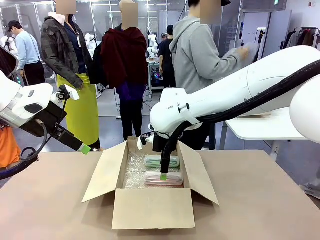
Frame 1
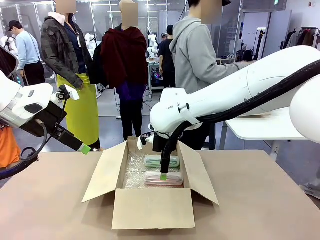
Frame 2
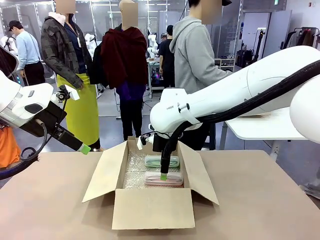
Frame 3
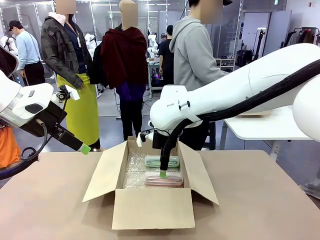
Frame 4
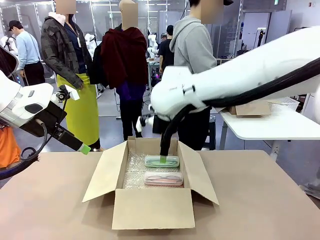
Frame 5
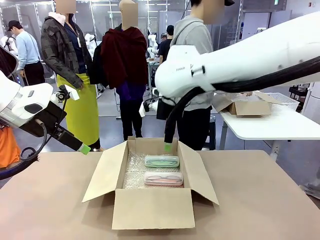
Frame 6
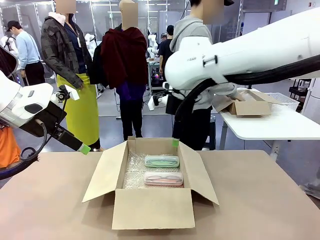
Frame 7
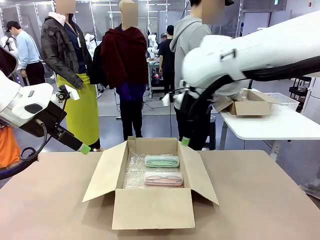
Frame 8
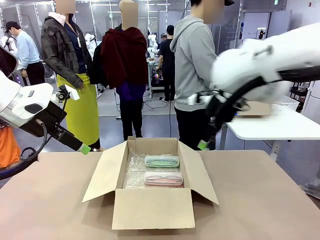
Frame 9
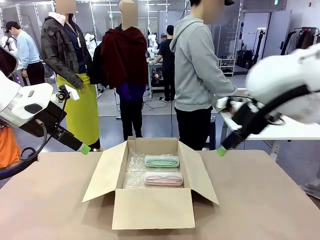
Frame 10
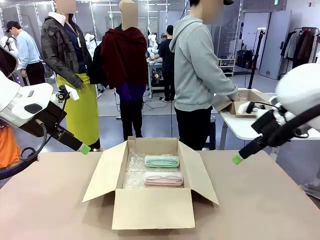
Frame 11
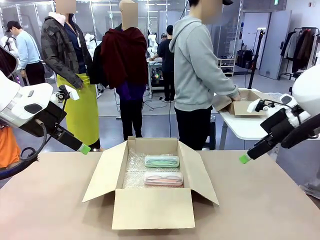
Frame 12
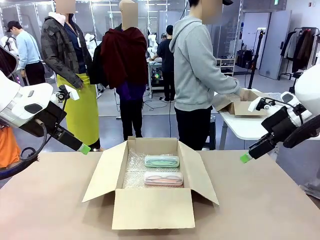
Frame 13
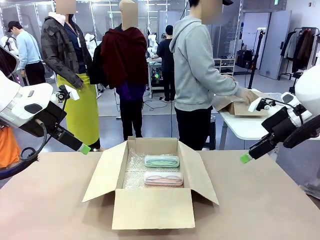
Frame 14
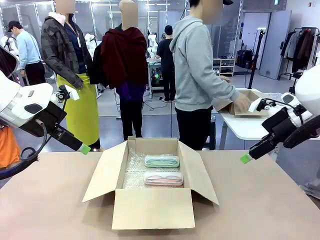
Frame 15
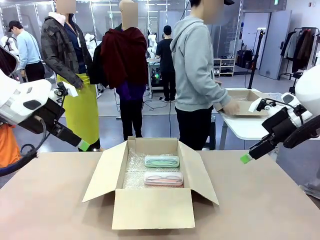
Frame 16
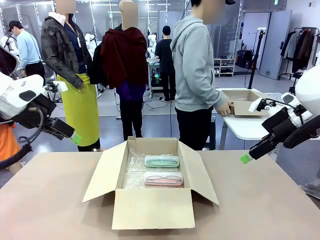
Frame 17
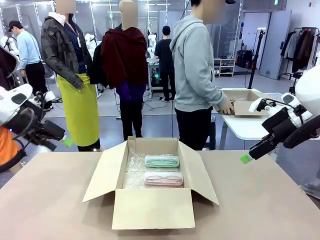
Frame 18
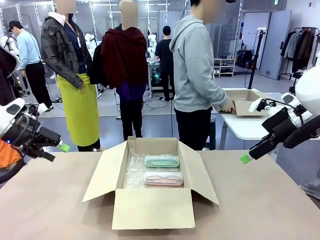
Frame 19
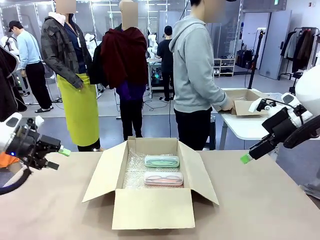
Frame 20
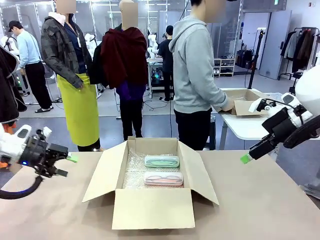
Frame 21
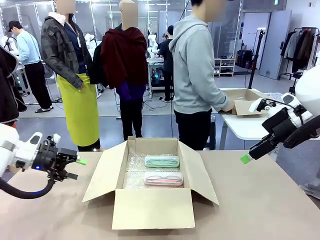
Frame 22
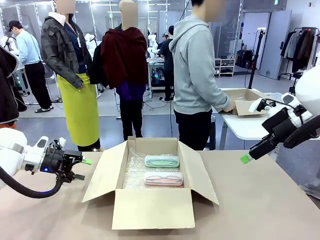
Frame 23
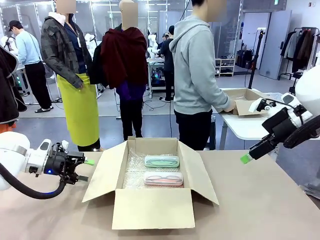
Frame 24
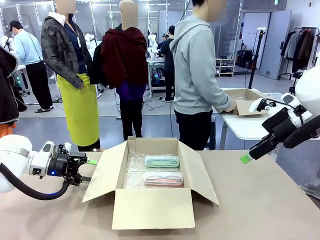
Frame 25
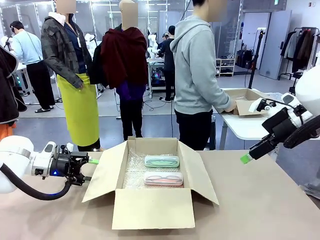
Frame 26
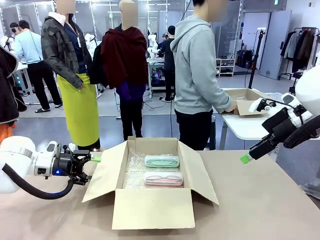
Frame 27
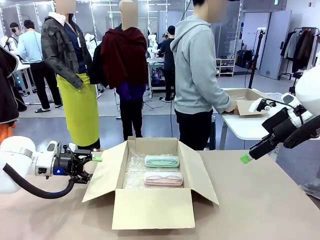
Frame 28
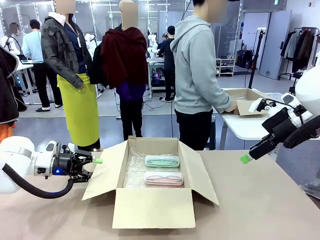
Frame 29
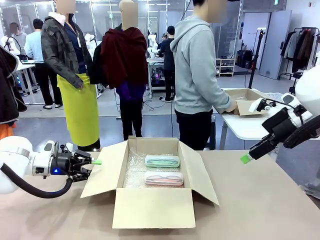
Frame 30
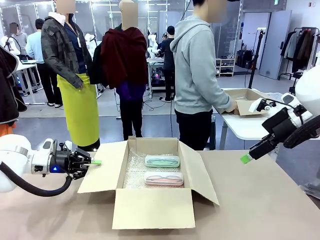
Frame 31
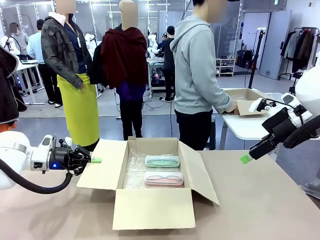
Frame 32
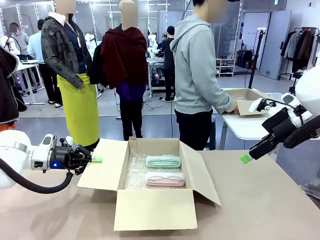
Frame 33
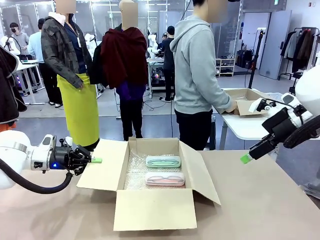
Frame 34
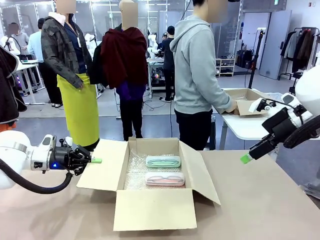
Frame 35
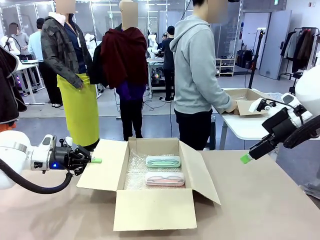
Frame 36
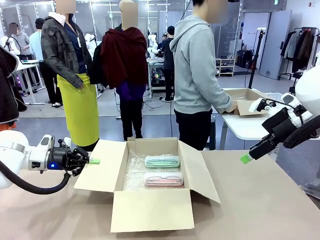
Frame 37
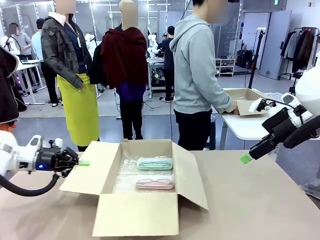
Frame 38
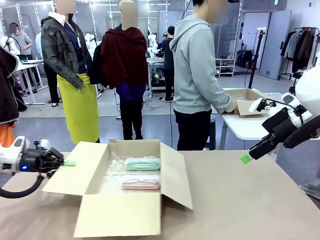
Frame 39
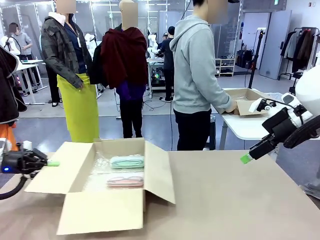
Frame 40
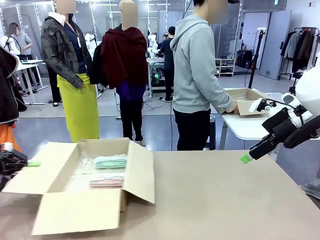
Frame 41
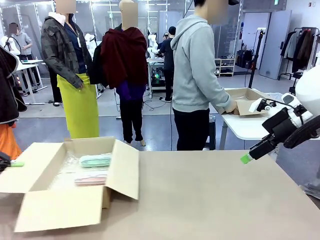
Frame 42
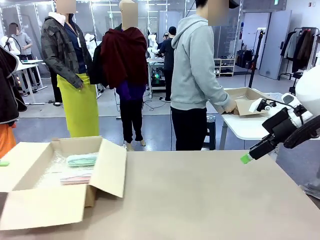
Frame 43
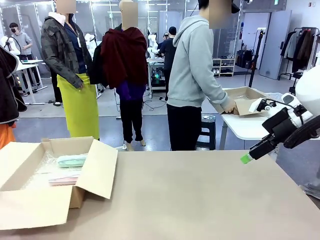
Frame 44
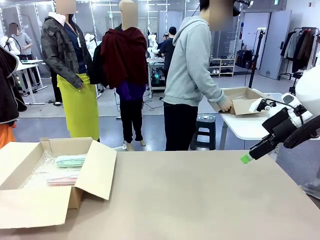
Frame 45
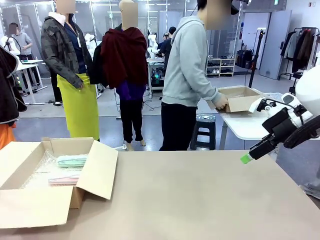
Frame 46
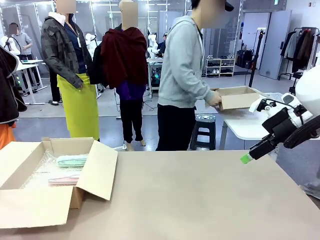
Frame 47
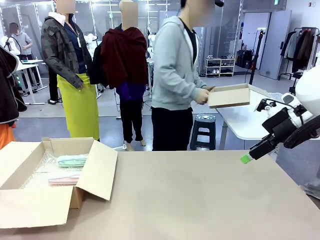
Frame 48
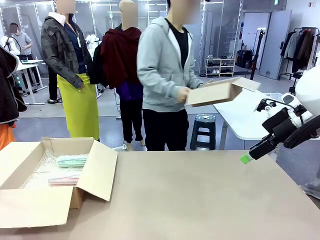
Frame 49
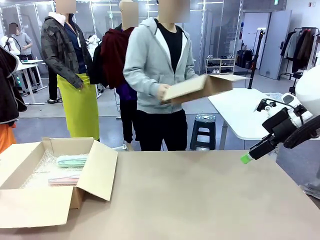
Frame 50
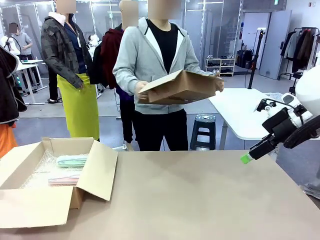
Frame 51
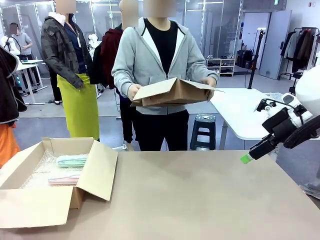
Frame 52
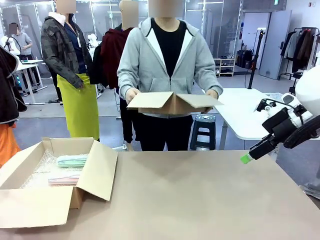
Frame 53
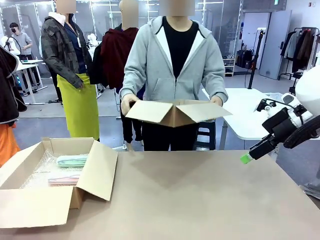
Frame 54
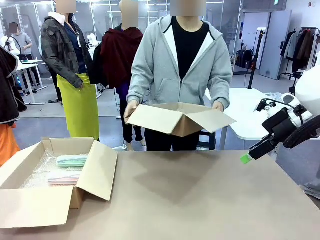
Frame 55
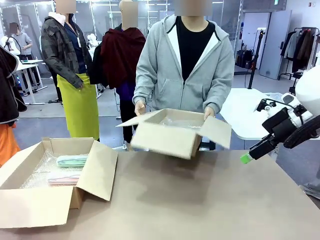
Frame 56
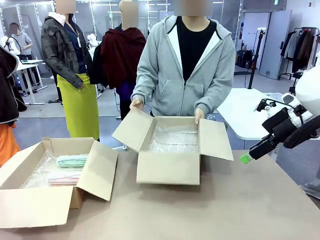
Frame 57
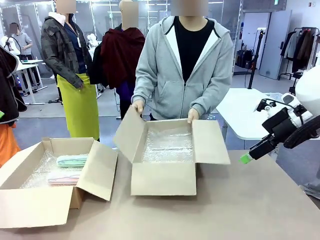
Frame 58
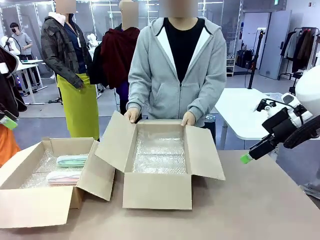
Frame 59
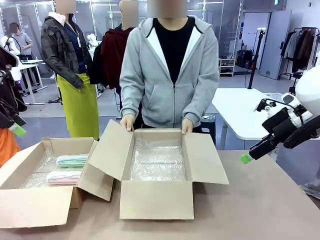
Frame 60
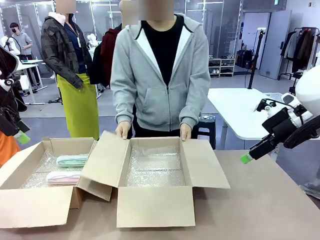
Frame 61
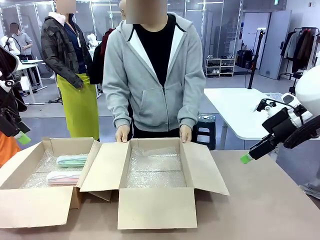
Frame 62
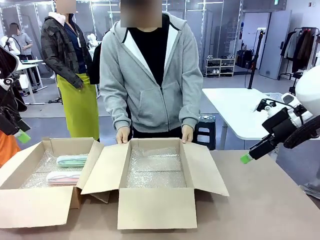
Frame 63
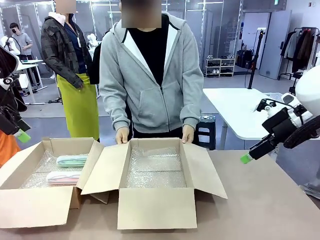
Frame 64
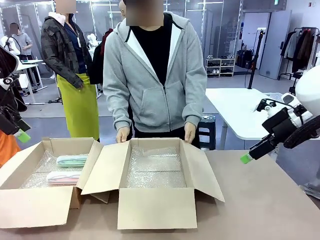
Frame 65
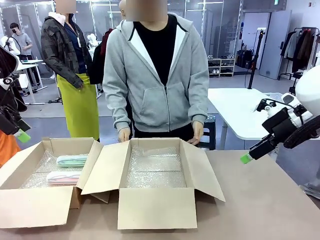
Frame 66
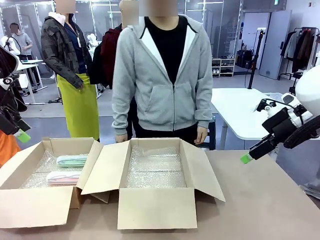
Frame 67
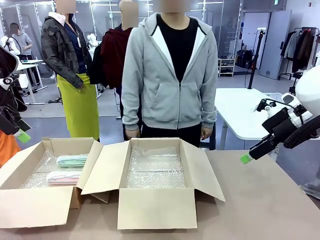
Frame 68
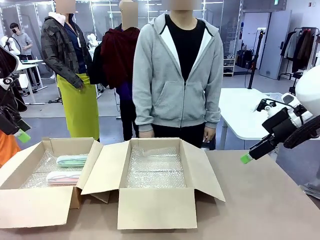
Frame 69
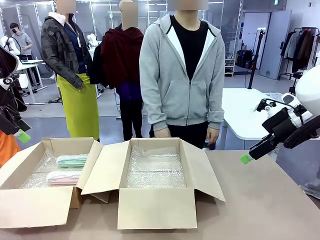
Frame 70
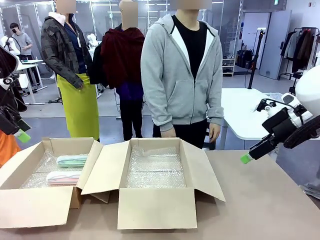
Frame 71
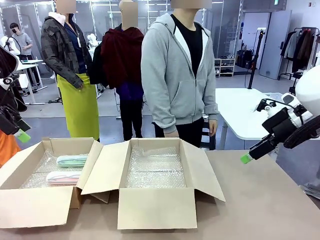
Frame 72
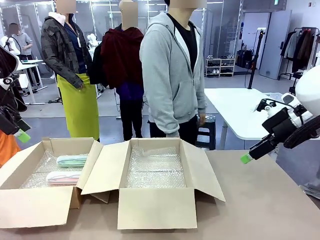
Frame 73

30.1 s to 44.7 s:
Task: Pack the glasses set securely to prepare it for shipping.
Robot: Position the Package Box on the left side of the table.
Person: Position the empty Package Box in the middle of the robot's table.

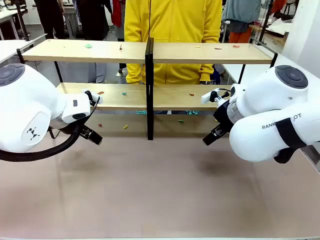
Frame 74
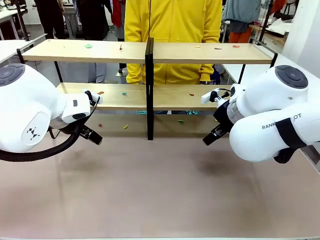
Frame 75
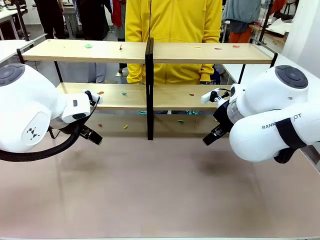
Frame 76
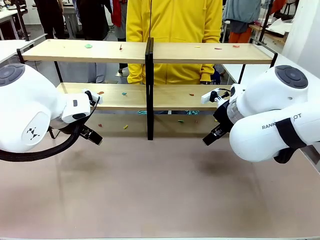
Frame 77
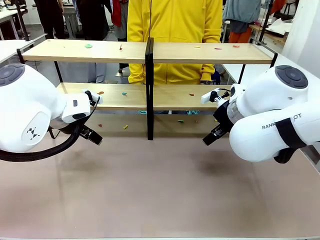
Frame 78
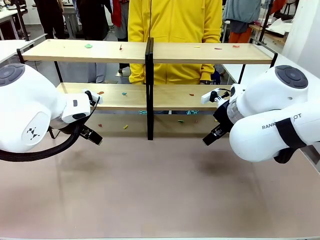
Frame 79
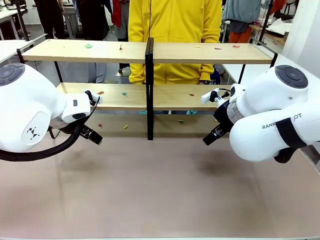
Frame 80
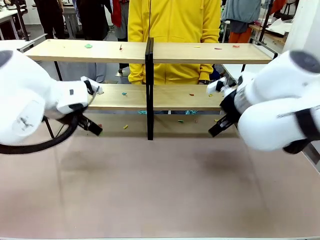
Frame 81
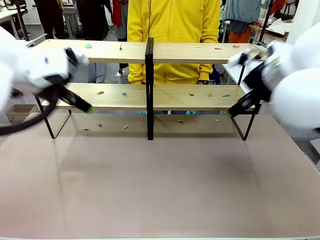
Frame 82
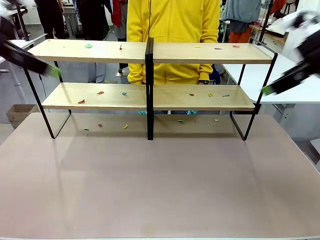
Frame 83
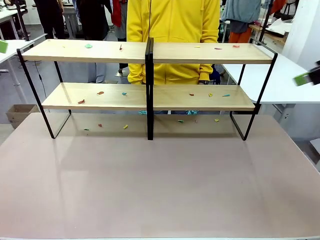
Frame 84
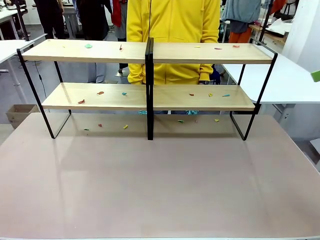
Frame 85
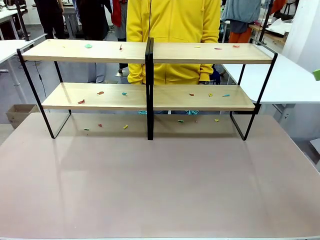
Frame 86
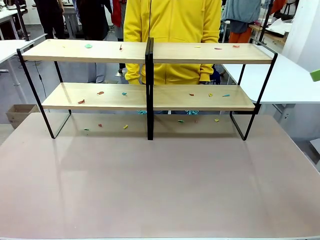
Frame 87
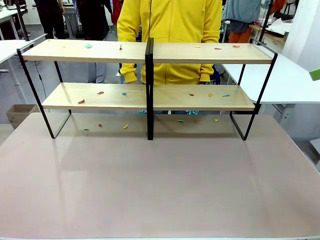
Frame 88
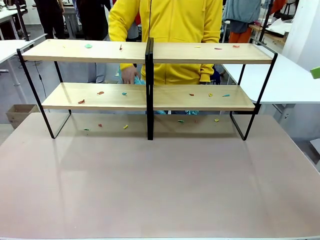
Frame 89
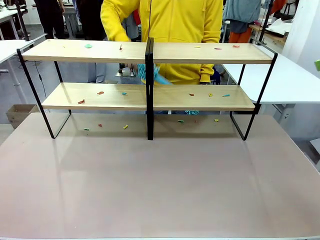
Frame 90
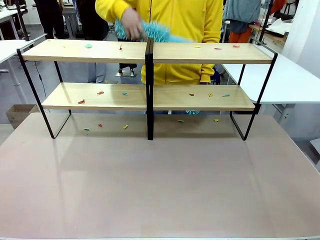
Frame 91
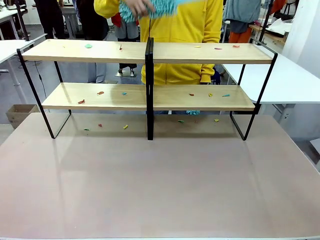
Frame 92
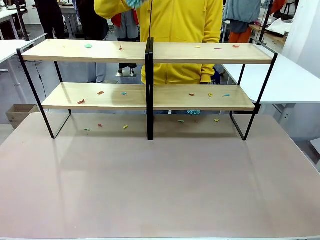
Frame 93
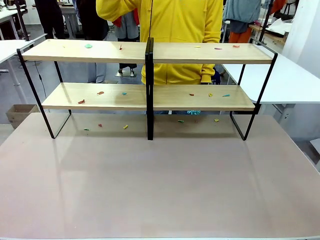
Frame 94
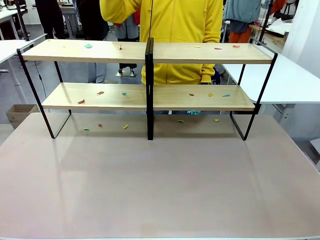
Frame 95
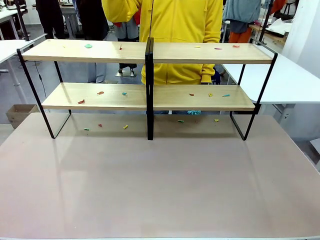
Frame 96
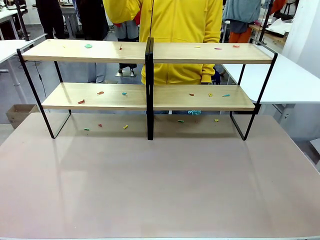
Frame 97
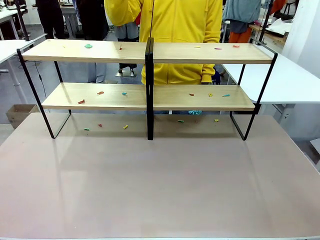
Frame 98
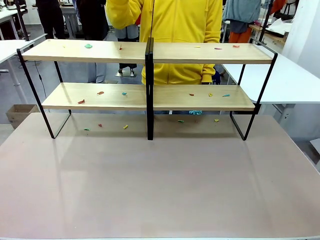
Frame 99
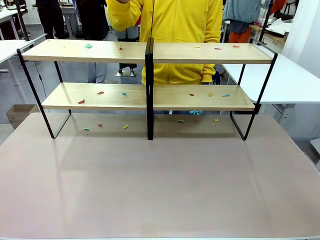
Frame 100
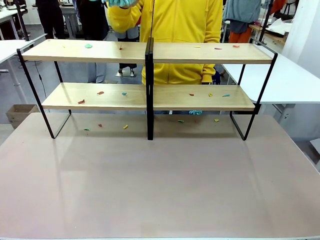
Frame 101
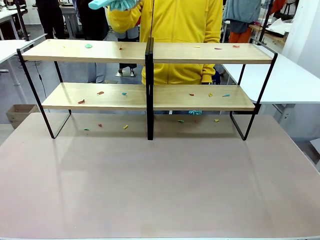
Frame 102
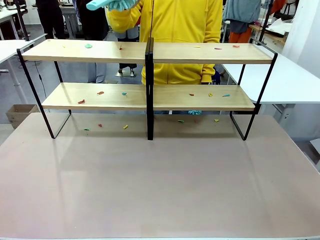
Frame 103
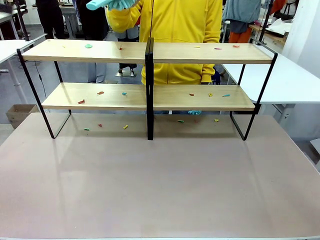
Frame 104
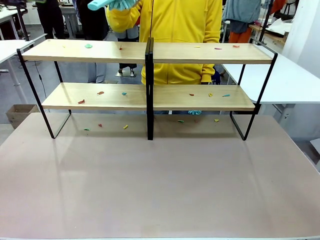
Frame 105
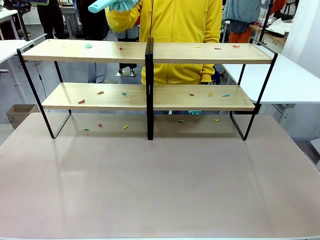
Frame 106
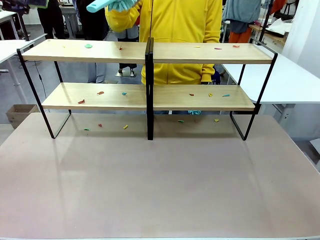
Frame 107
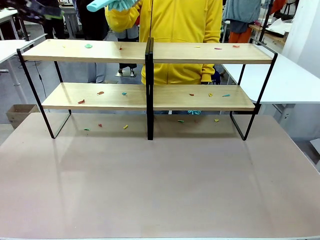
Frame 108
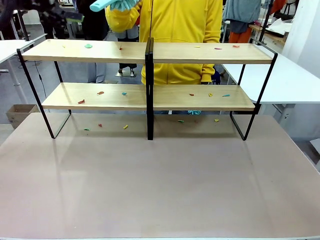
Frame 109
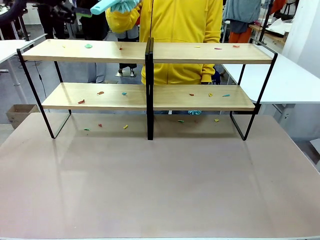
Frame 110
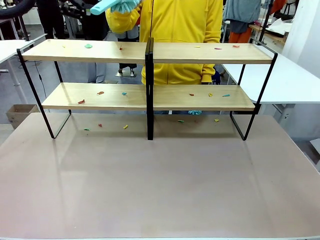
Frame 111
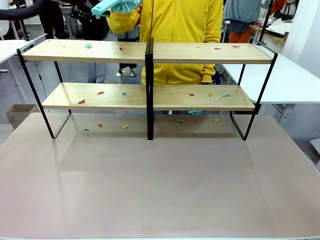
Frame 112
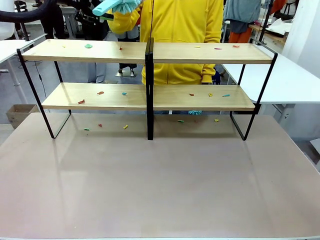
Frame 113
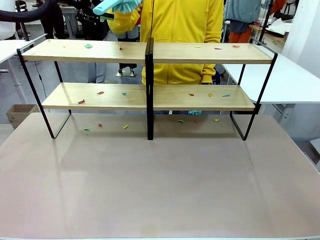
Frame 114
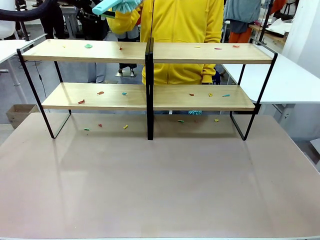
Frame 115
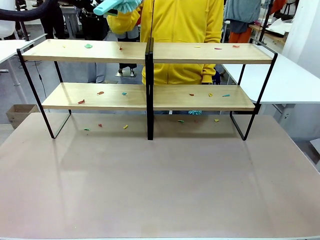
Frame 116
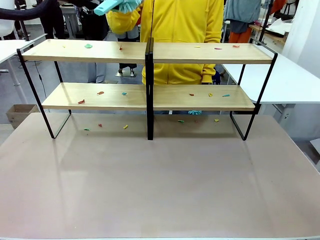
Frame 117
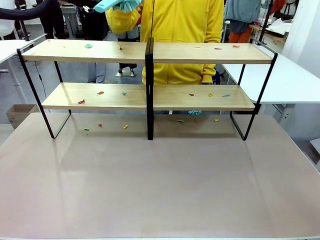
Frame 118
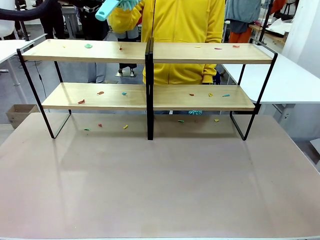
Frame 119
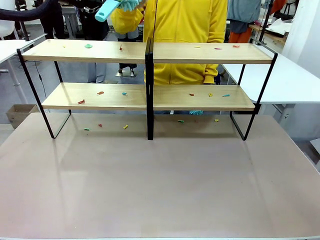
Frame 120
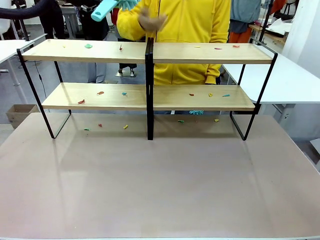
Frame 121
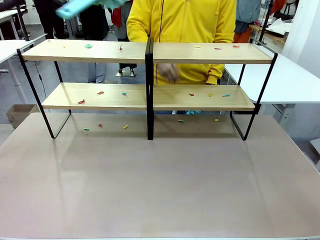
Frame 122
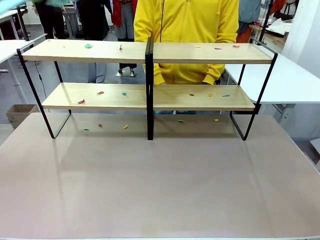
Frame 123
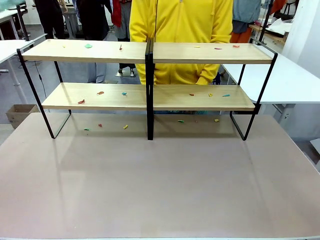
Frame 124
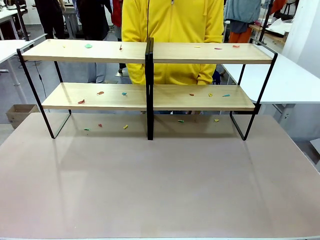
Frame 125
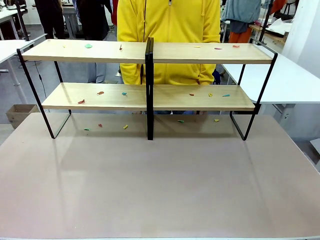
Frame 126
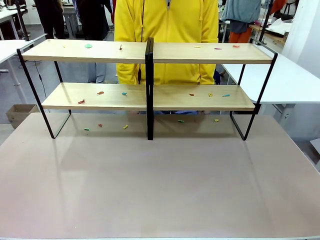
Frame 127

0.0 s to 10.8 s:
Task: Clean the shelves.
Robot: Pick up the Duster when the human hands it over.
Person: Hand the Duster to the robot with your right (or left) hand.
